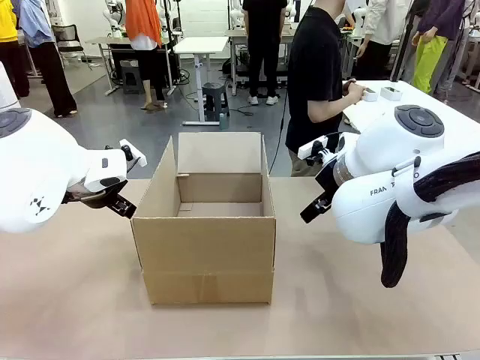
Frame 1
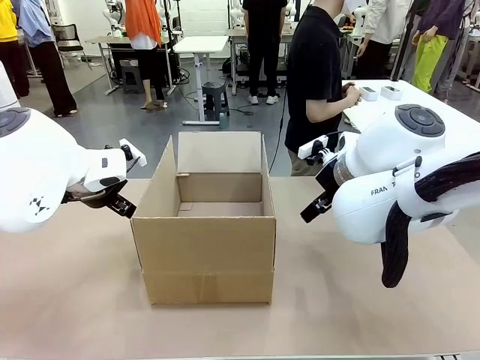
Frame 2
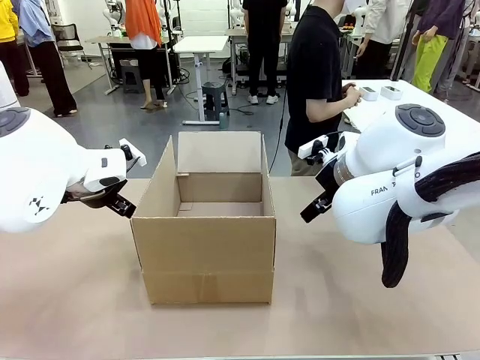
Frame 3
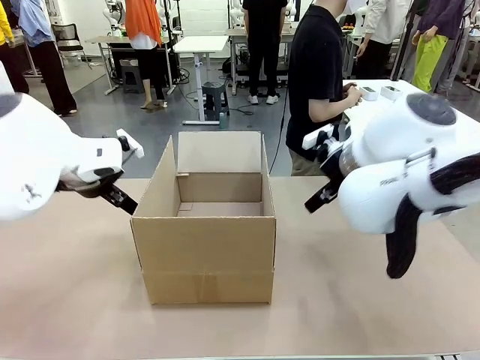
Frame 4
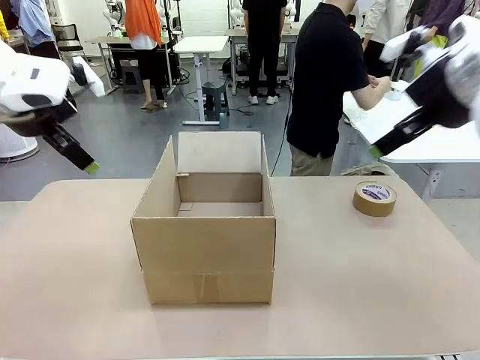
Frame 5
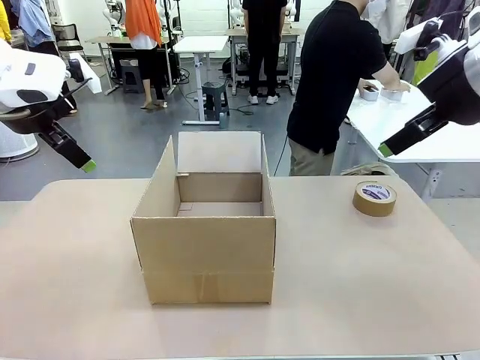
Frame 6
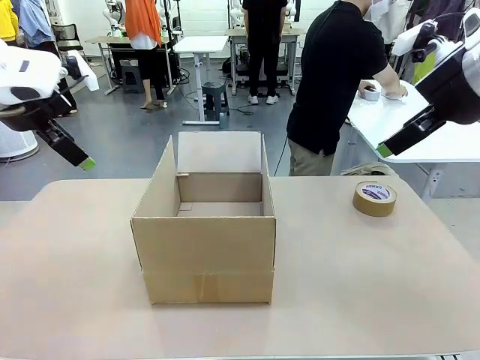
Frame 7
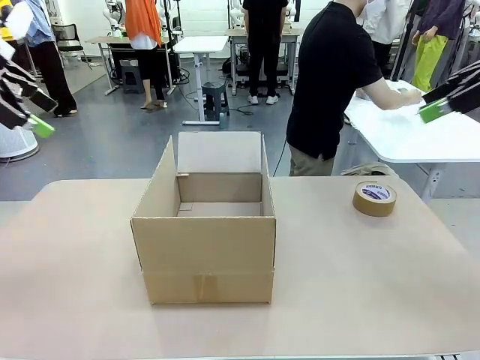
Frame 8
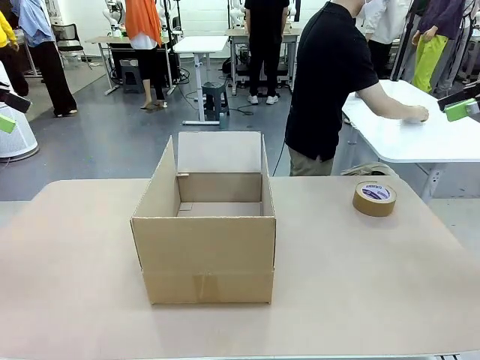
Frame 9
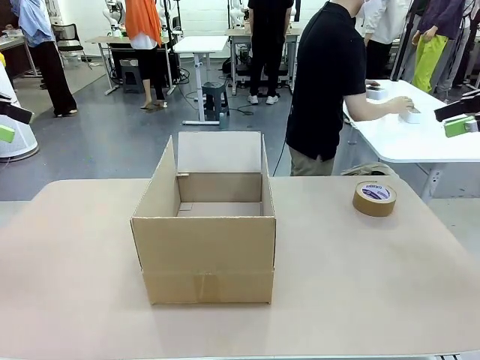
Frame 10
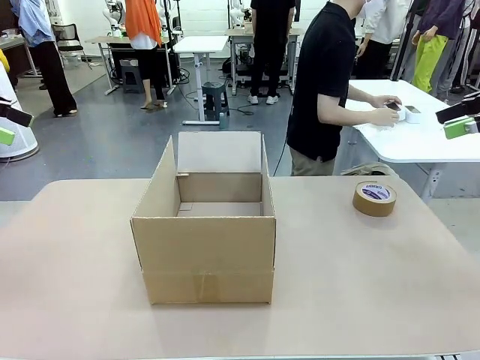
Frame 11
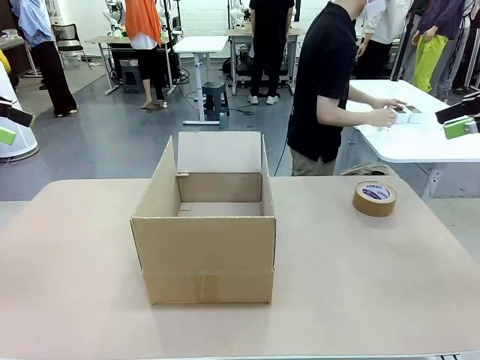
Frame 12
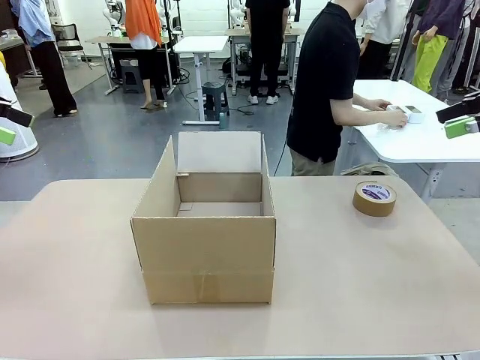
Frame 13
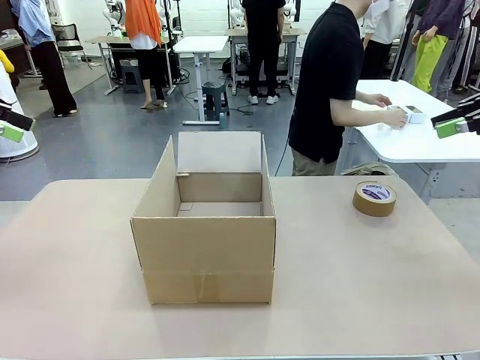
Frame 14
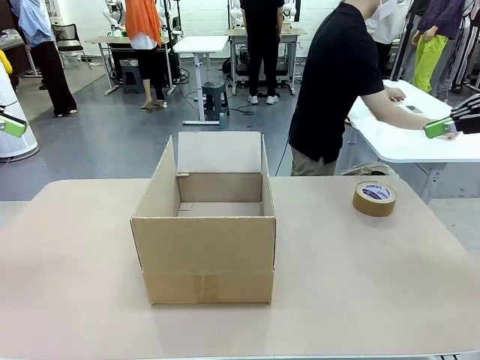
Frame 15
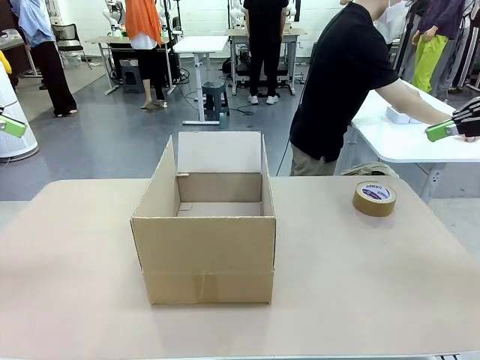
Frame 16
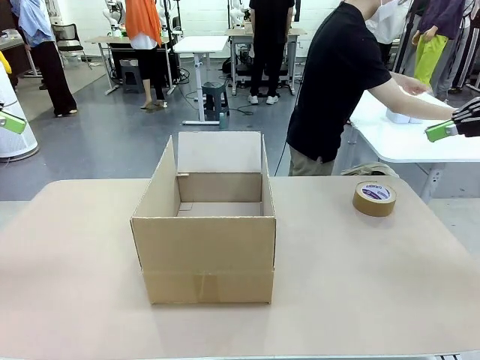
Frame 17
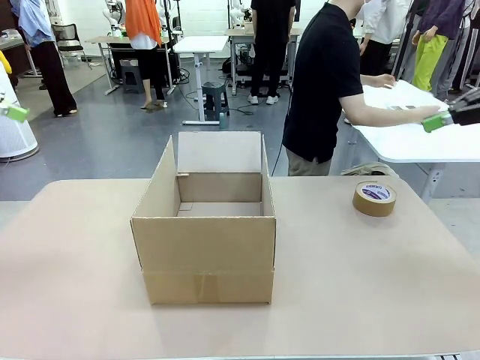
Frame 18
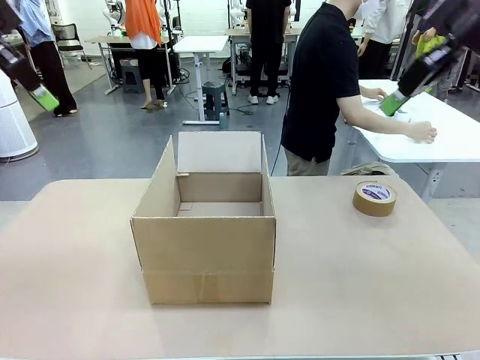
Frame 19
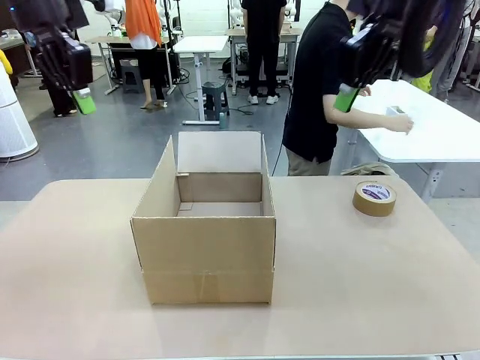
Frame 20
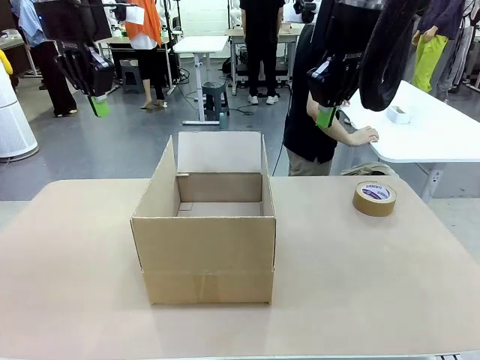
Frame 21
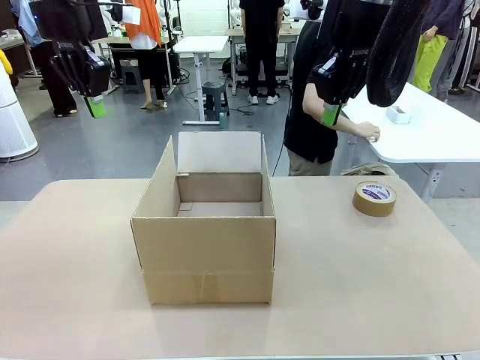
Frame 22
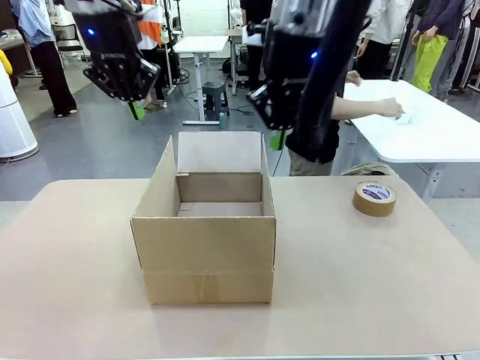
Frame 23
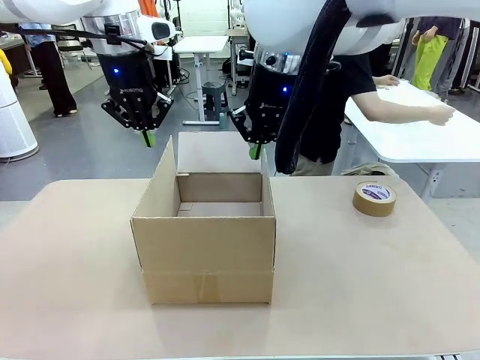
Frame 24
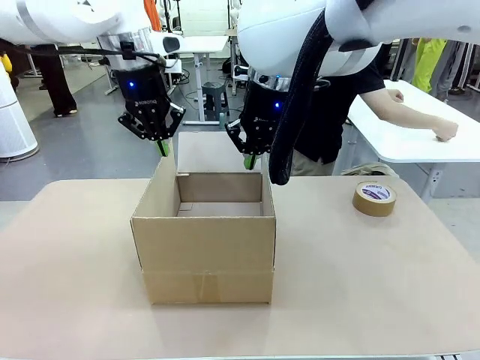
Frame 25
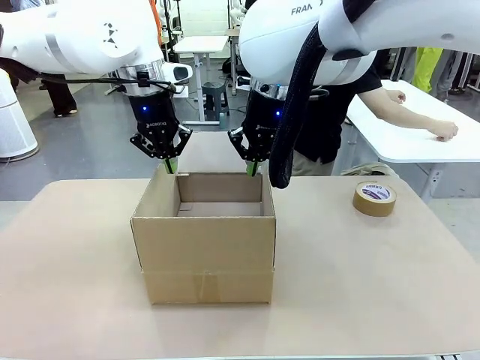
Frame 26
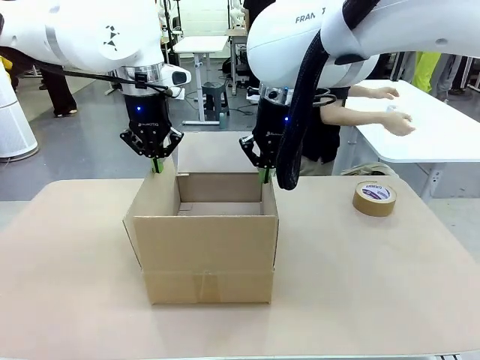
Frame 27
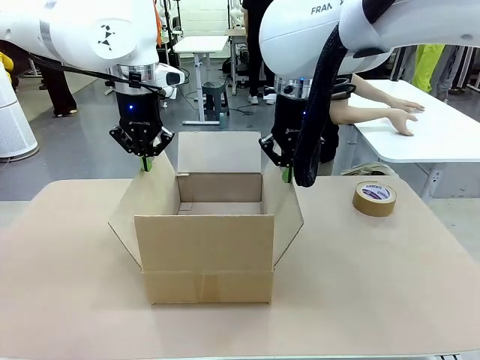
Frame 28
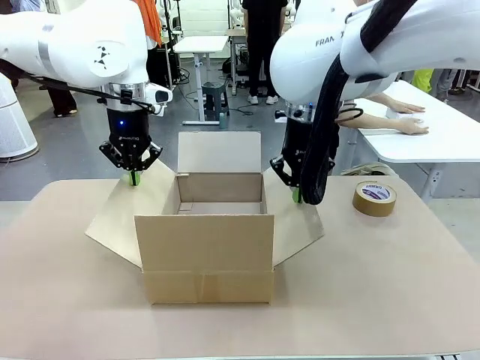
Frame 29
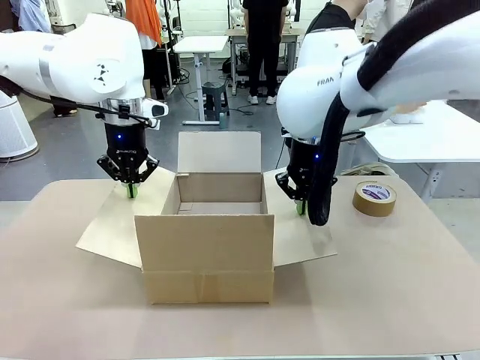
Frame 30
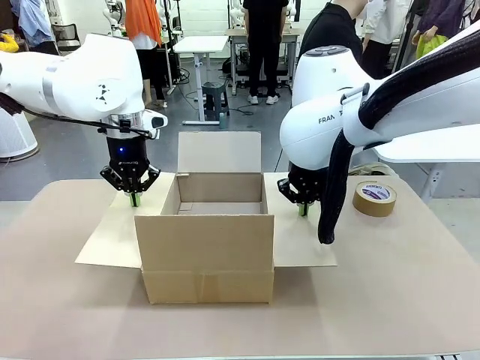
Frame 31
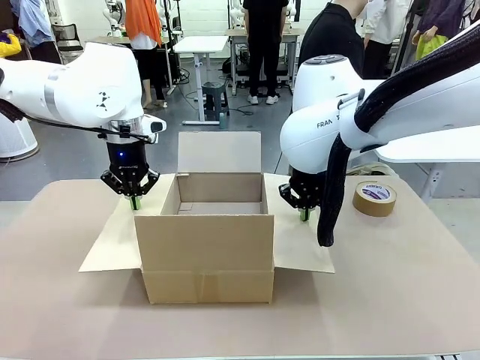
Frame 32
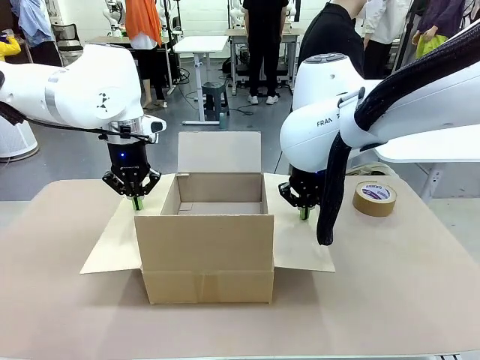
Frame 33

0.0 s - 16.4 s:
Task: Wrap the clocks to prevent damage.
Robot: Open the side flaps of the Package Box.
Person: Wrap the two Digital clocks with Bubble Wrap.

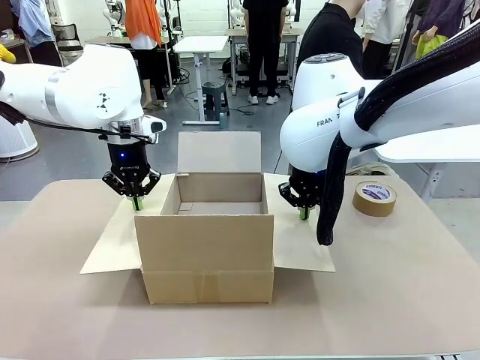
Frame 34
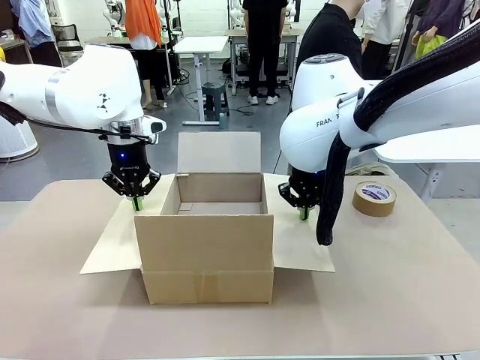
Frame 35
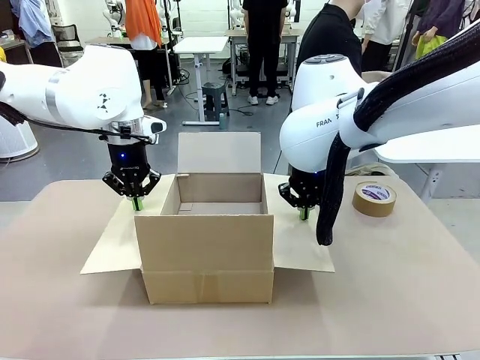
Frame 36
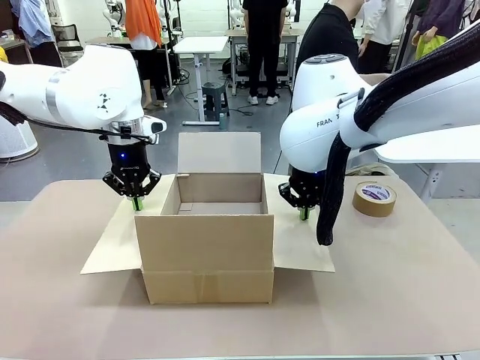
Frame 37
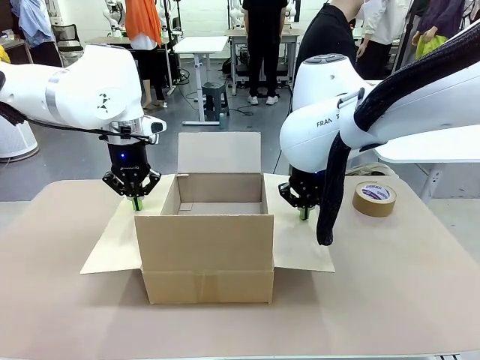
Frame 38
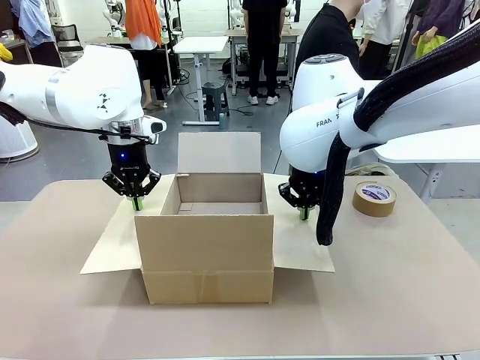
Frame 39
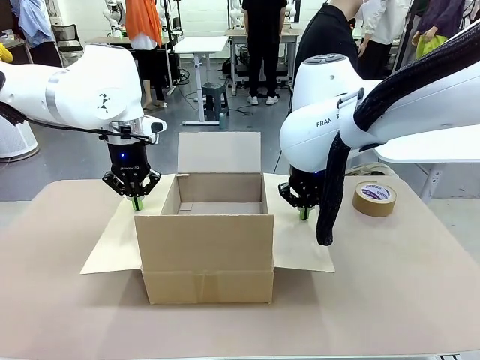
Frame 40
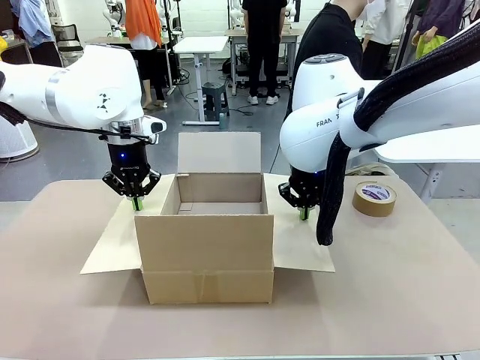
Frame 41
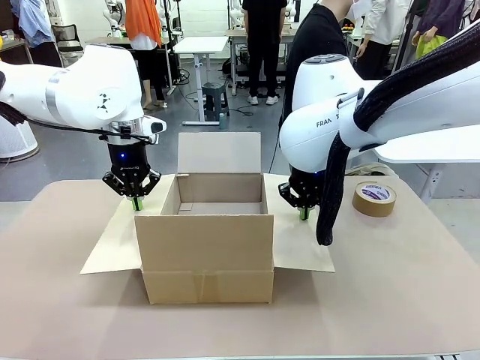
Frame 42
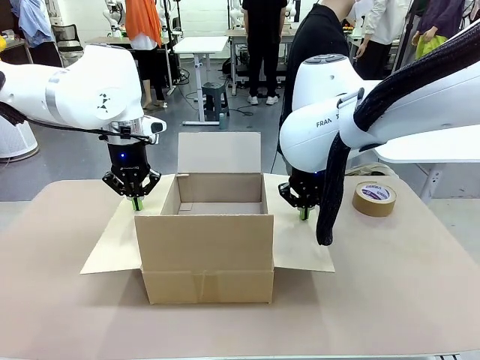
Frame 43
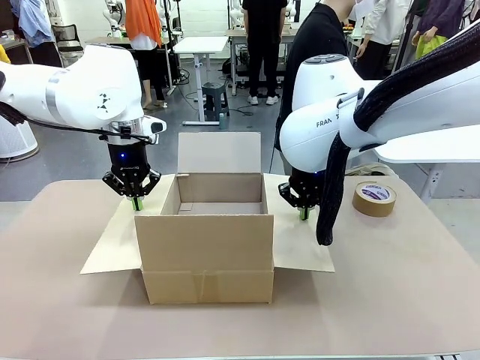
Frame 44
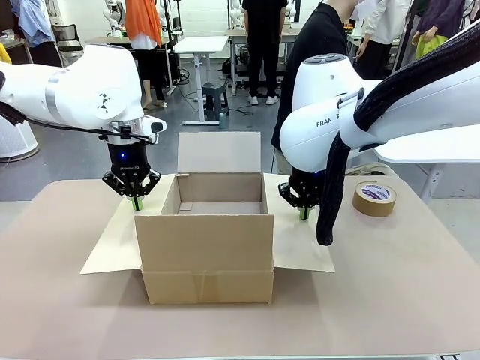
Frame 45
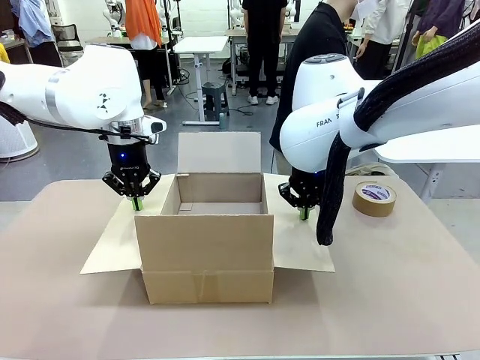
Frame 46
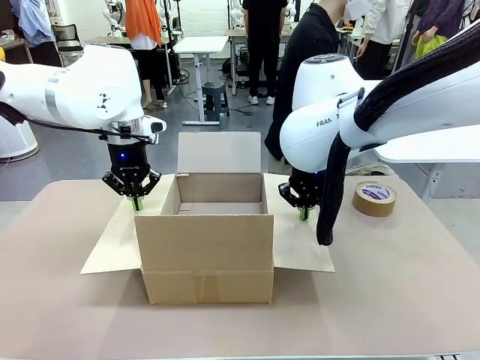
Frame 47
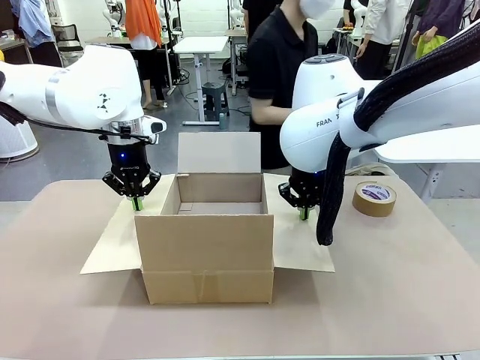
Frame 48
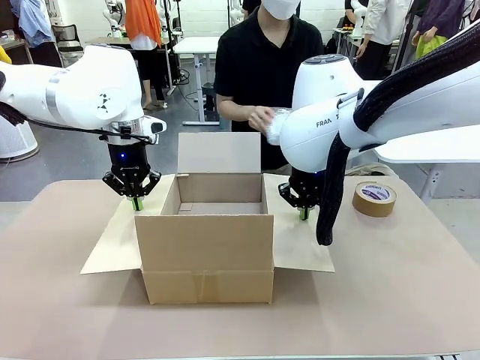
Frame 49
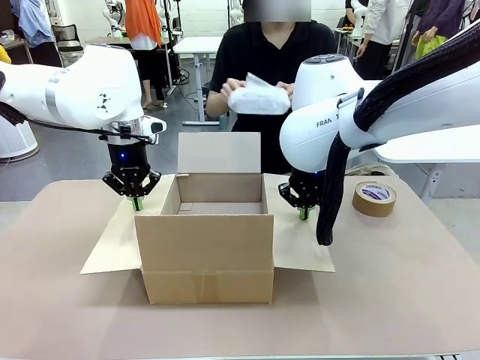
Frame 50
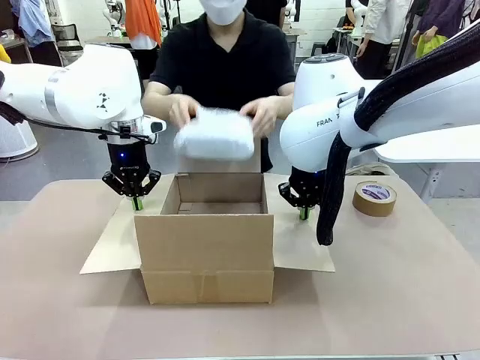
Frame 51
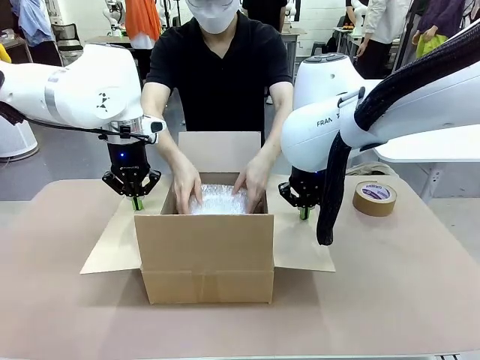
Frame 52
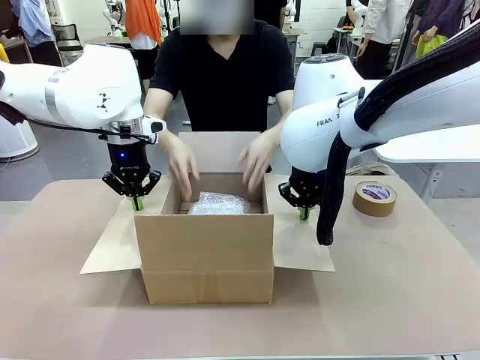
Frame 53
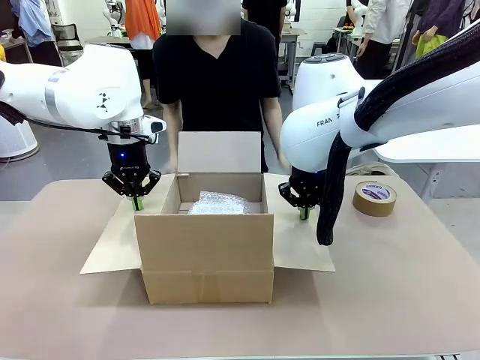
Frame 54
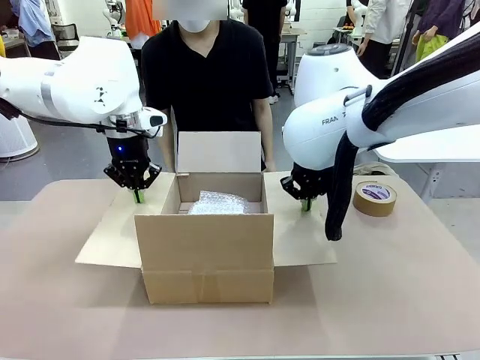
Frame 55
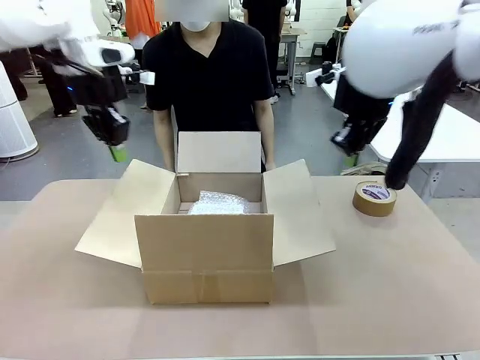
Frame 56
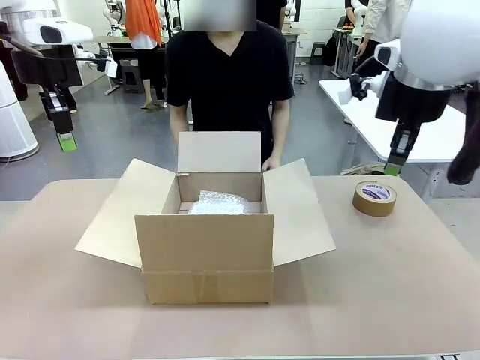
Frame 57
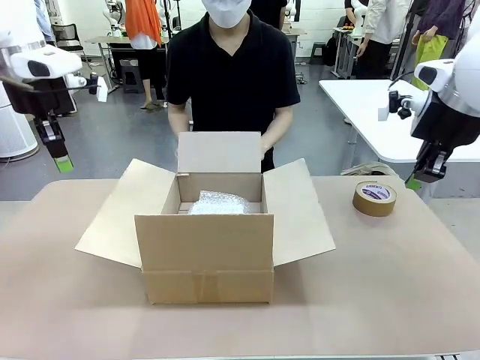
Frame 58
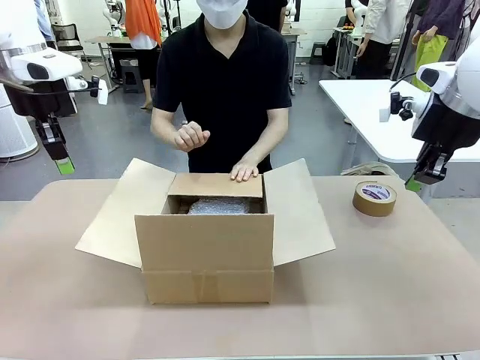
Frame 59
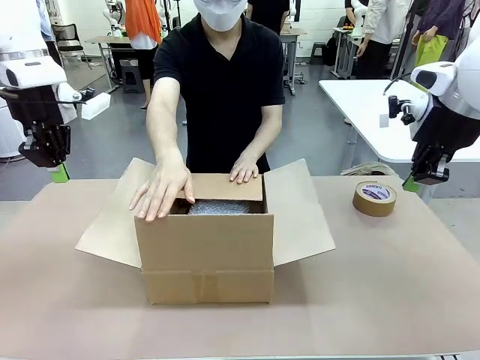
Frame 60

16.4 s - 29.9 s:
Robot: Once the human has placed the objects inside and stepped back, release both hands from the side flaps of the Package Box.
Person: Place the wrapped Digital clocks inside the Package Box. Hold the top and bottom flaps of the Package Box closed with your left (or right) hand.
